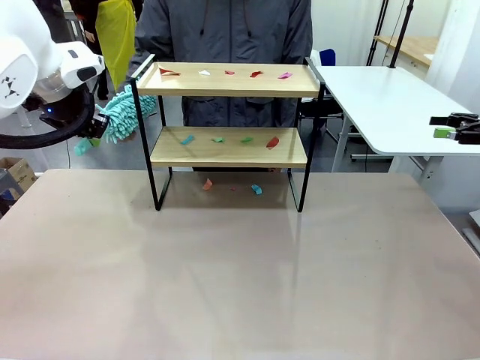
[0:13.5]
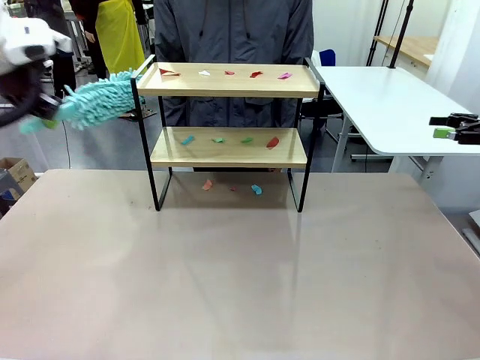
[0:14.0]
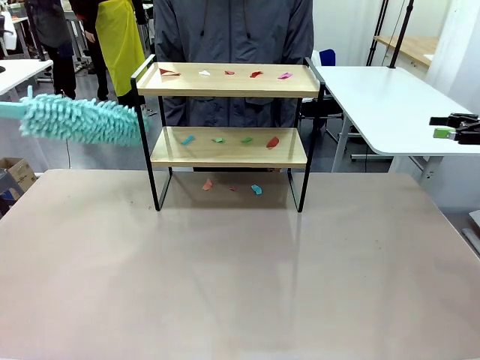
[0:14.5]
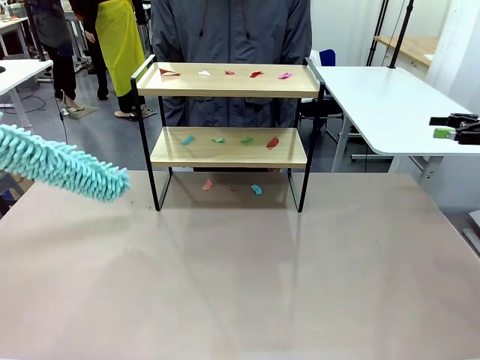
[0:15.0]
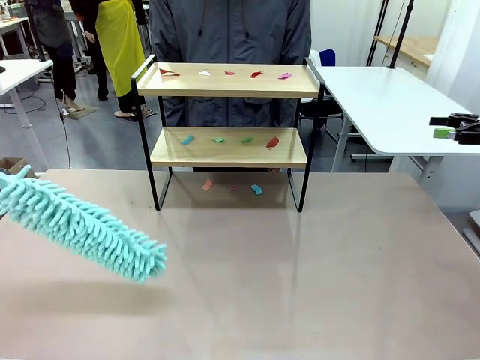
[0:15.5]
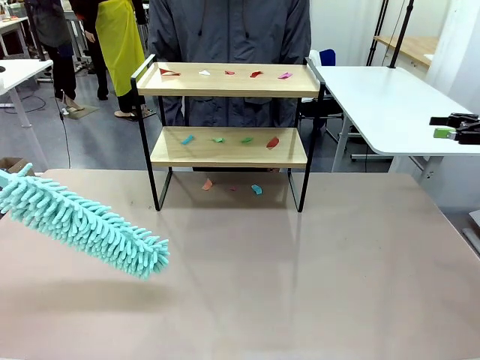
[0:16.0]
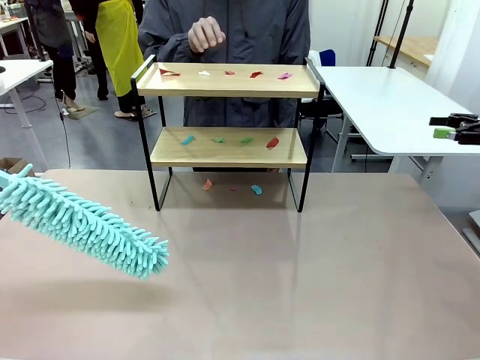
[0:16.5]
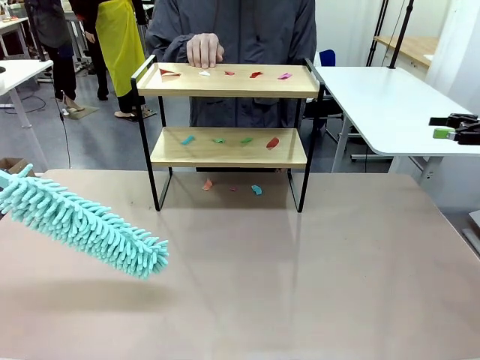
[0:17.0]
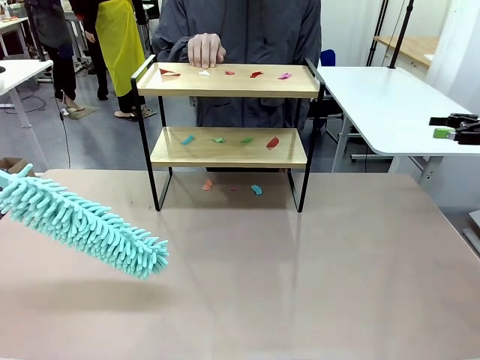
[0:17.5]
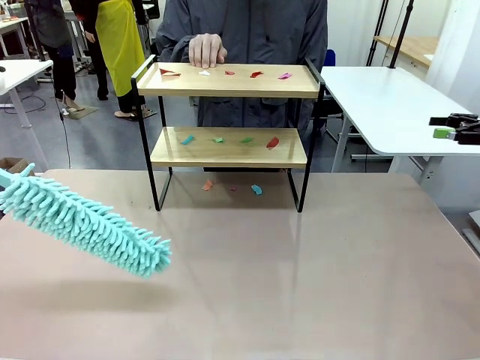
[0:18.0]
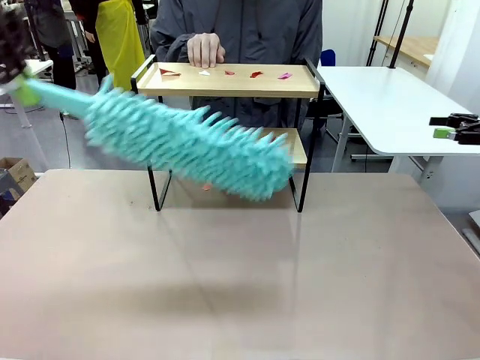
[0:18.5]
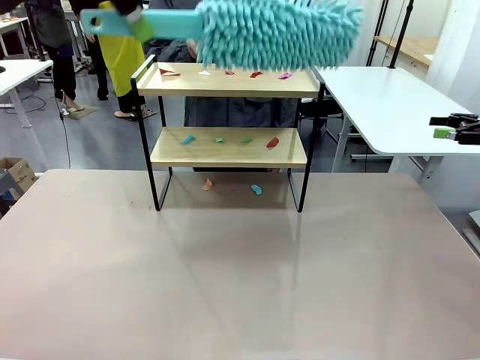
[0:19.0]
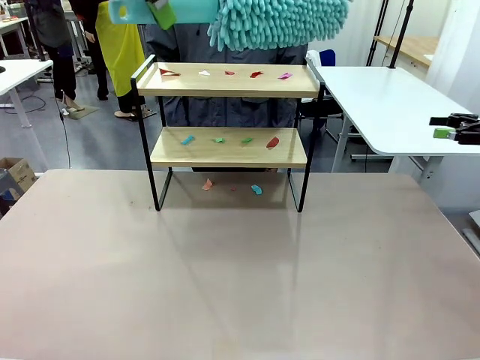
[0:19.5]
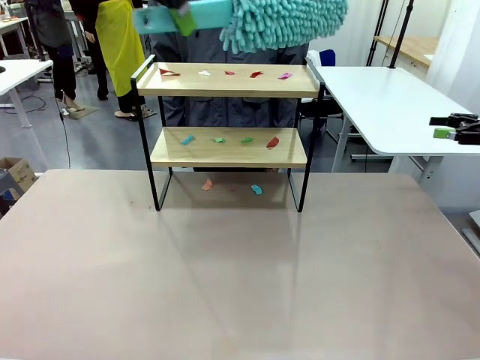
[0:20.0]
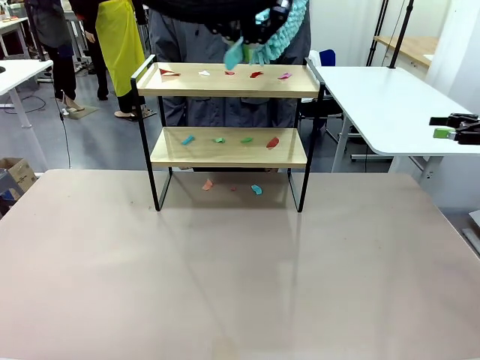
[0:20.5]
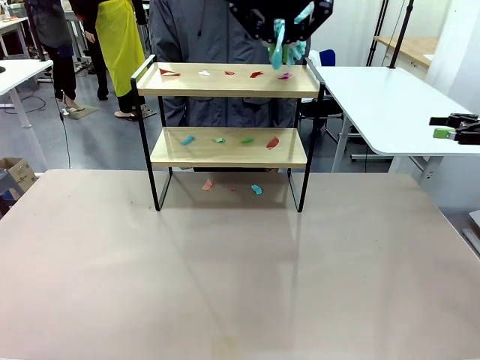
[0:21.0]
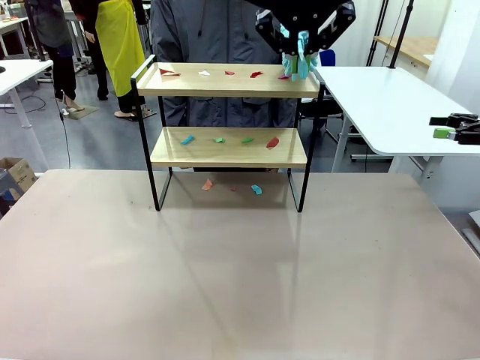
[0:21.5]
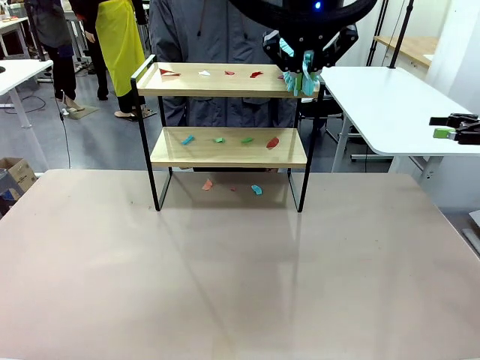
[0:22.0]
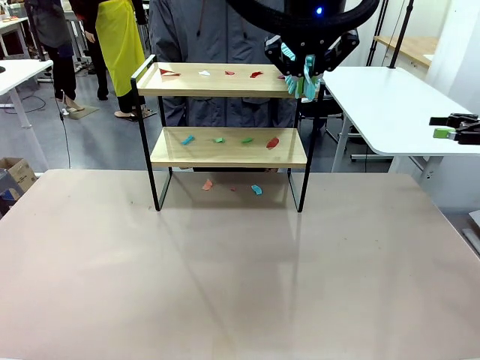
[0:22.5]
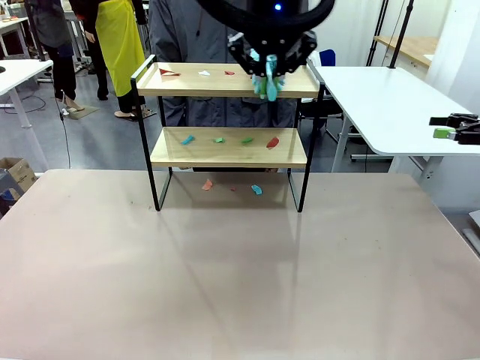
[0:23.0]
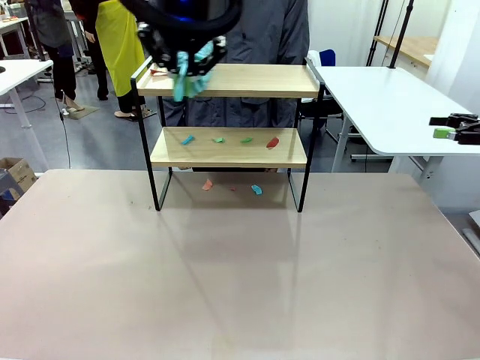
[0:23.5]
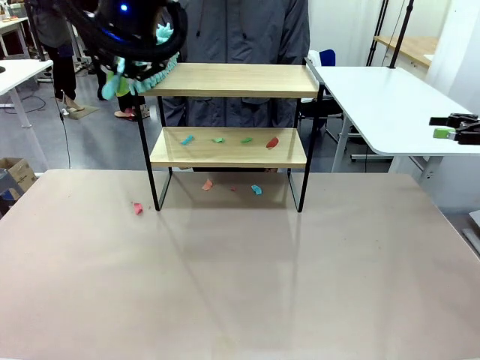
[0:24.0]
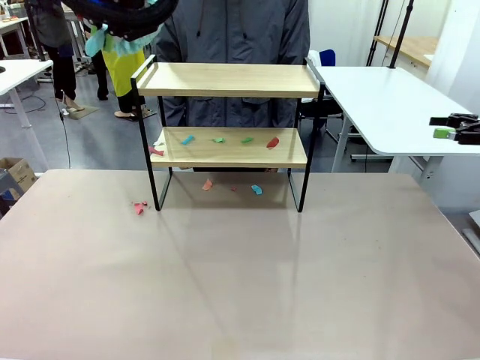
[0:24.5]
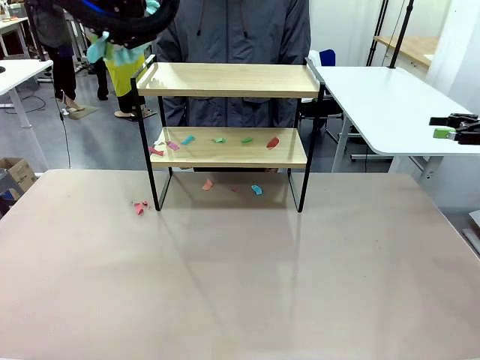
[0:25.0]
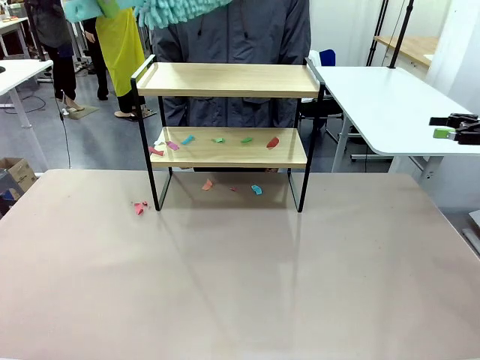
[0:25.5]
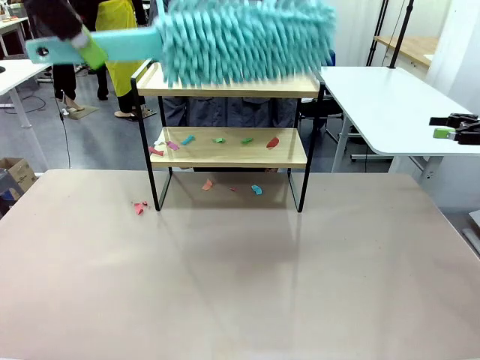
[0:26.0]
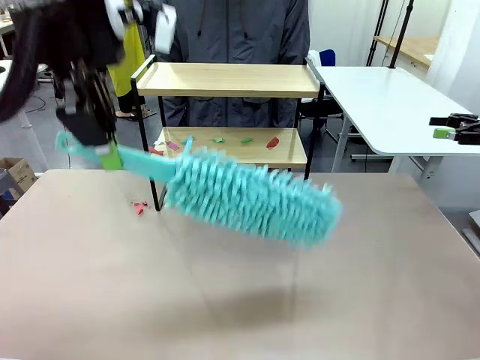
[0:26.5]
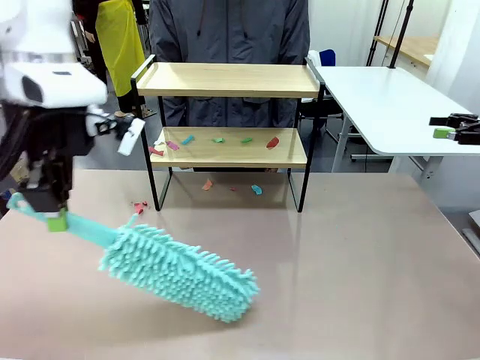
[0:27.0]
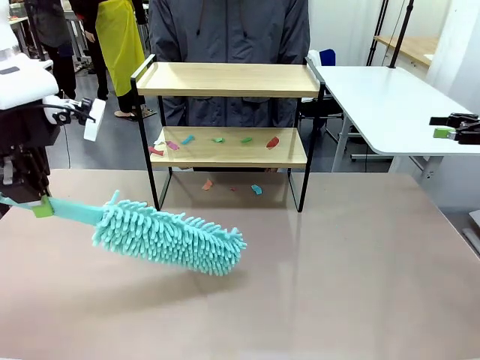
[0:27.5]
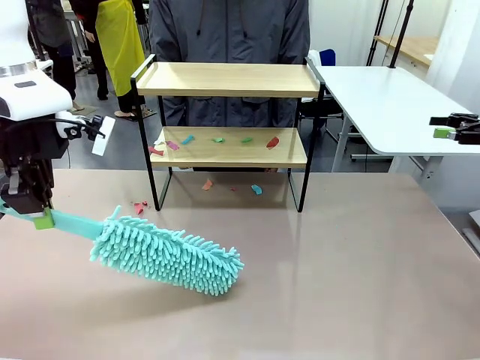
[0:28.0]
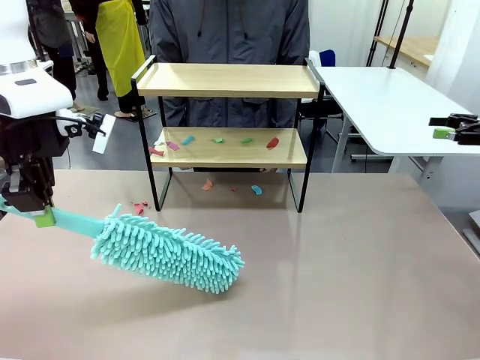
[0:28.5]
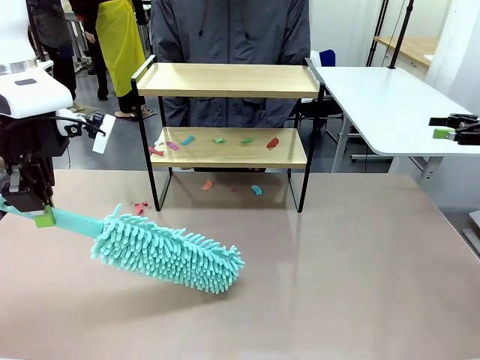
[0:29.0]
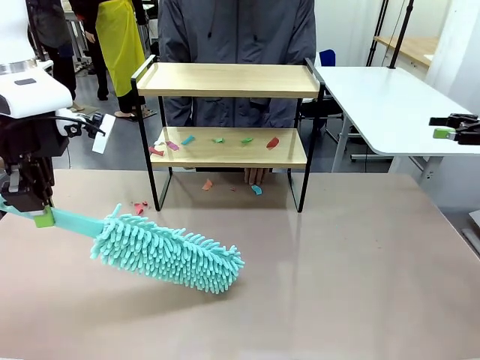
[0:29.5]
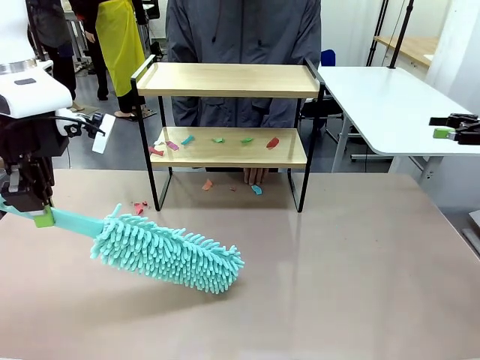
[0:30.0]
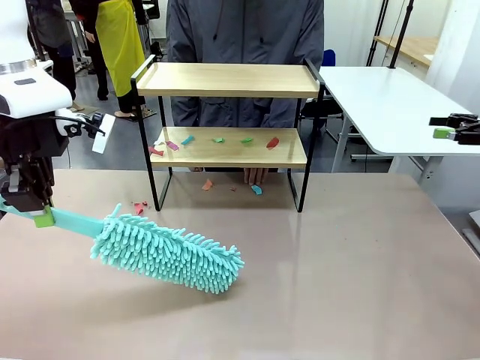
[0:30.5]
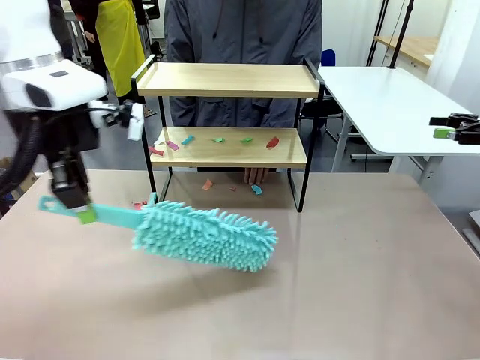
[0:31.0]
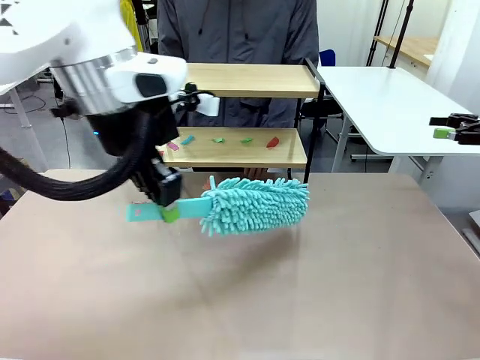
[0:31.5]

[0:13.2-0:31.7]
Task: Clean the shelf.
Robot: Clean the specific section of the Shelf indicated by the human with the Duster.
Person: Point a random section of the Shelf.
